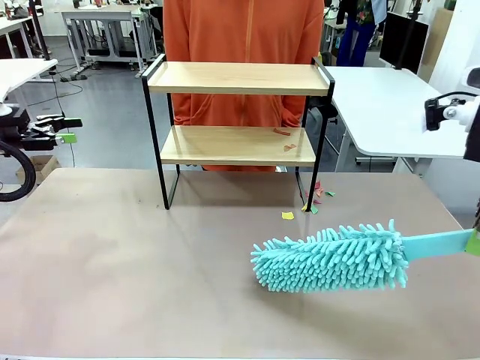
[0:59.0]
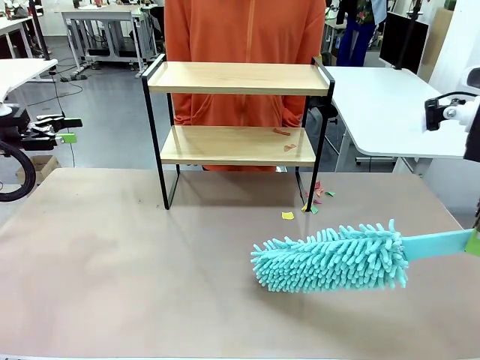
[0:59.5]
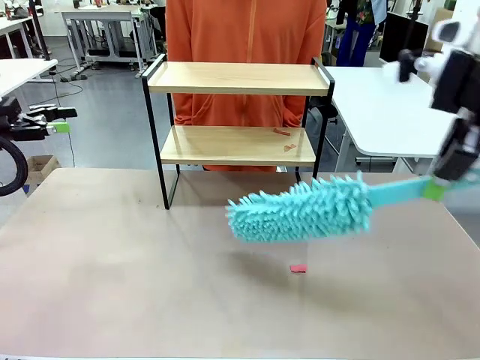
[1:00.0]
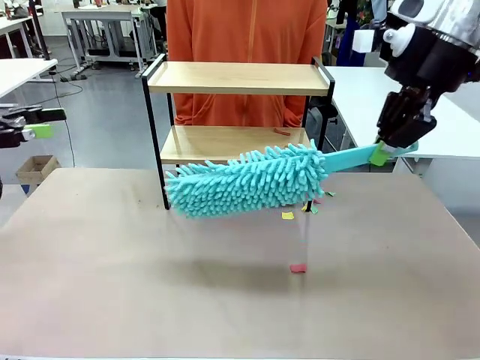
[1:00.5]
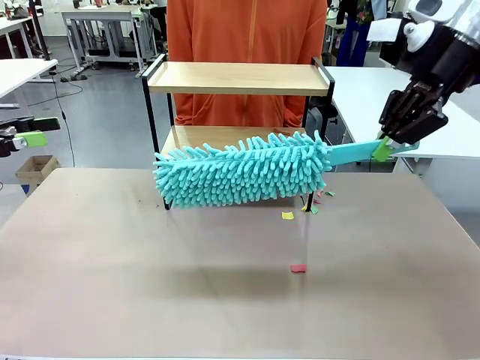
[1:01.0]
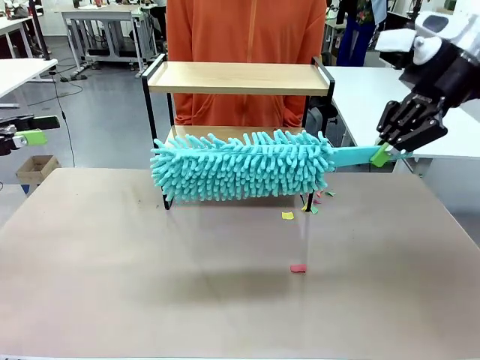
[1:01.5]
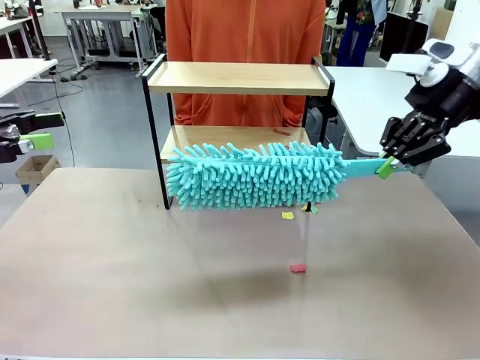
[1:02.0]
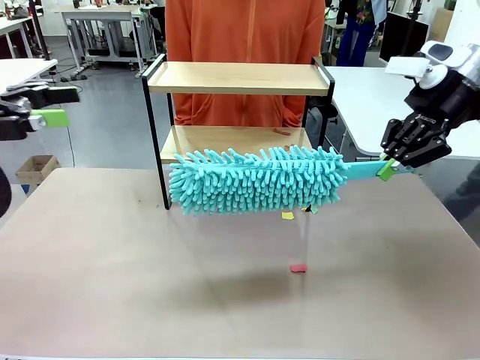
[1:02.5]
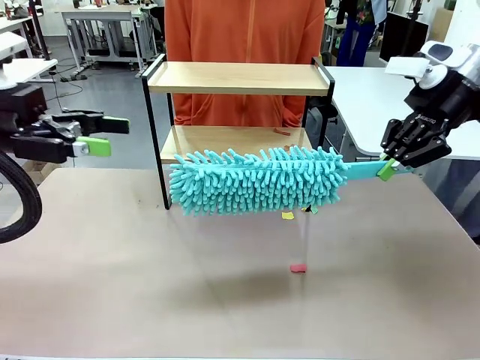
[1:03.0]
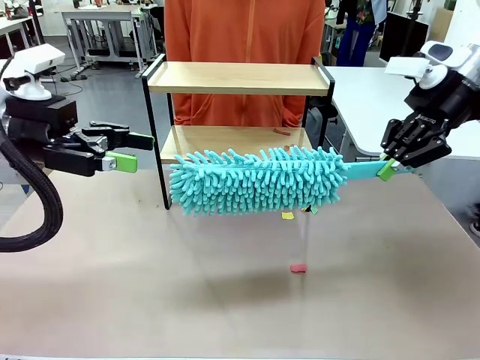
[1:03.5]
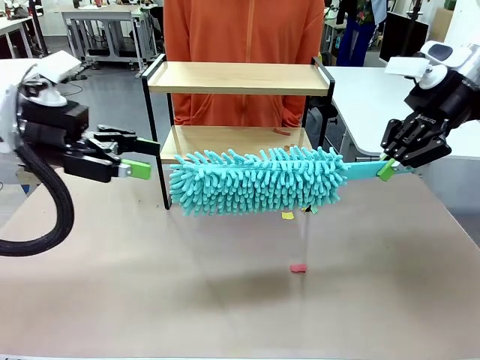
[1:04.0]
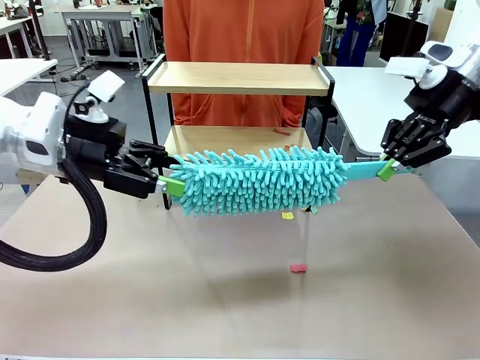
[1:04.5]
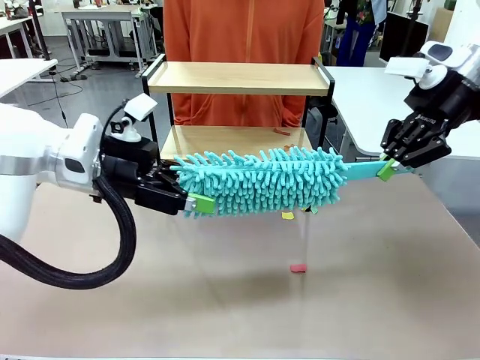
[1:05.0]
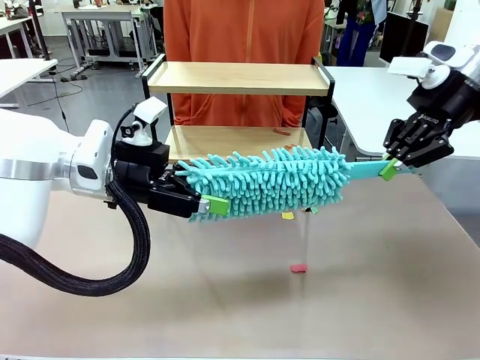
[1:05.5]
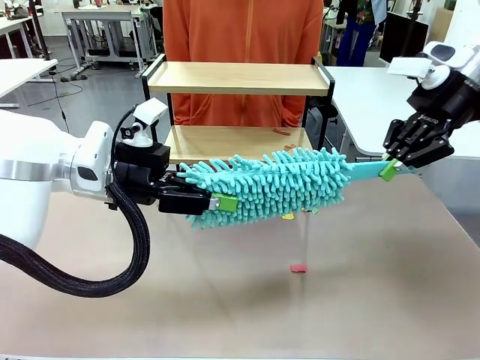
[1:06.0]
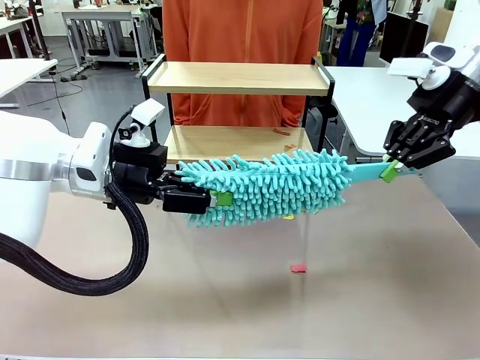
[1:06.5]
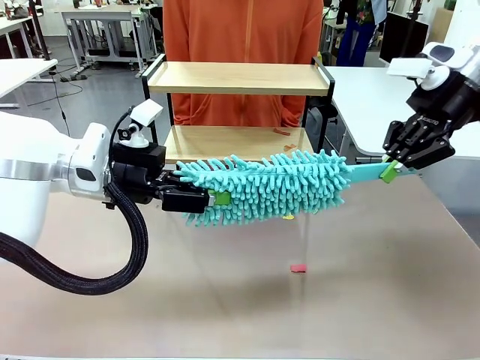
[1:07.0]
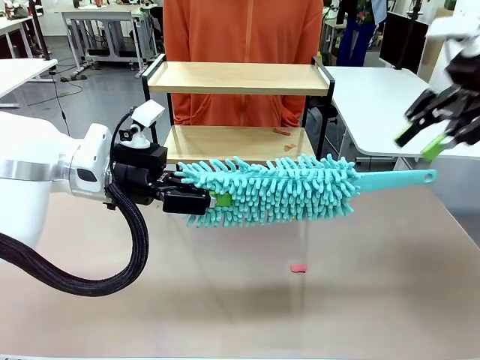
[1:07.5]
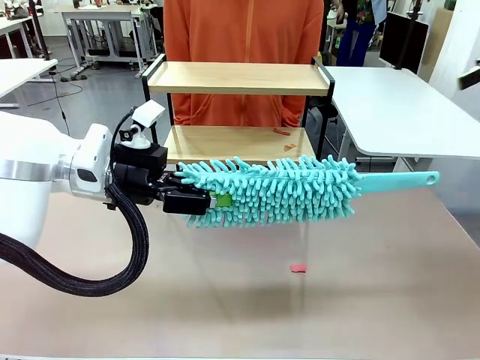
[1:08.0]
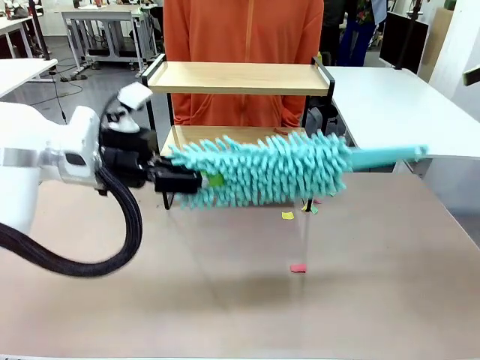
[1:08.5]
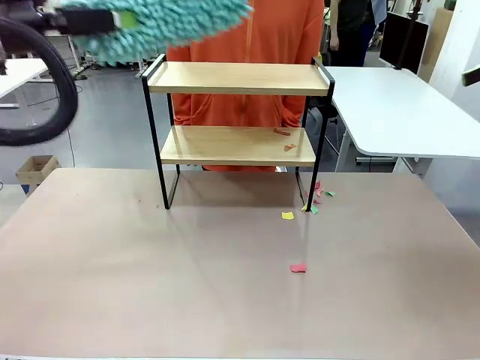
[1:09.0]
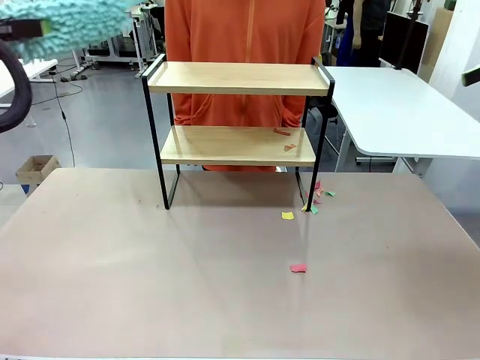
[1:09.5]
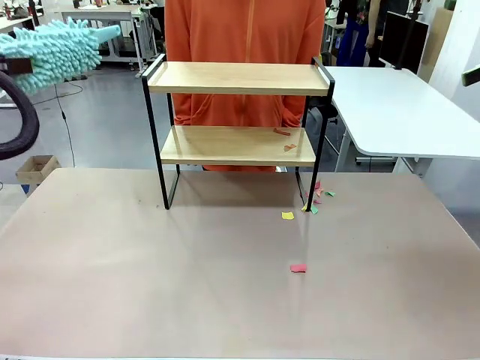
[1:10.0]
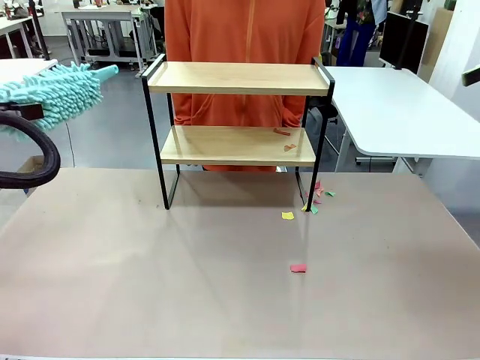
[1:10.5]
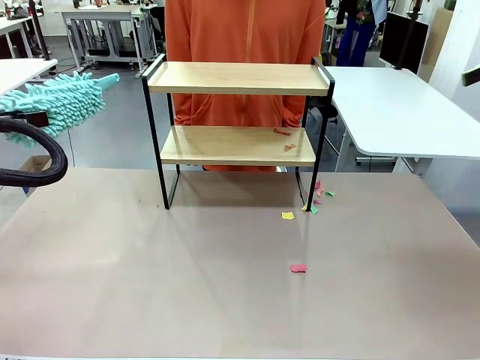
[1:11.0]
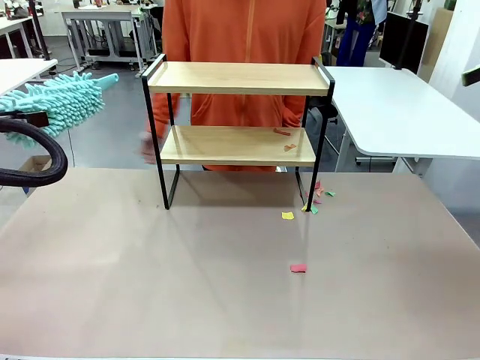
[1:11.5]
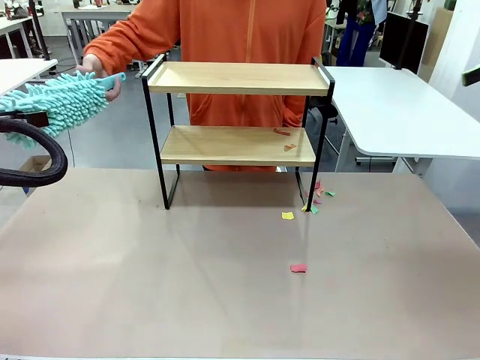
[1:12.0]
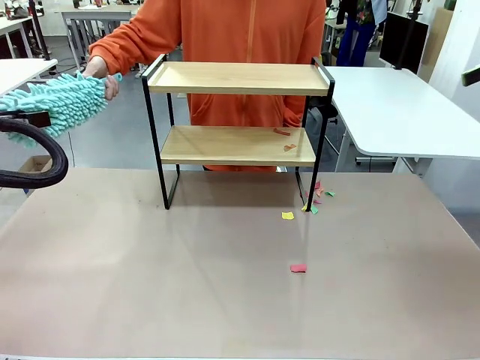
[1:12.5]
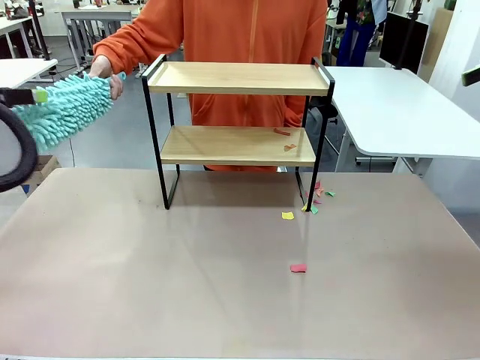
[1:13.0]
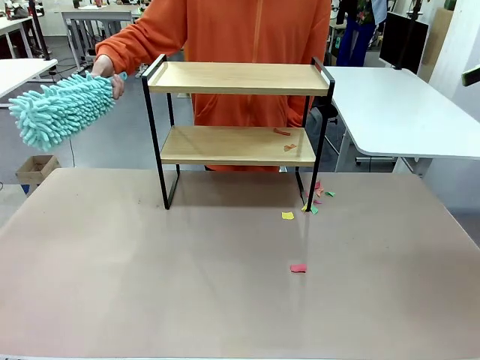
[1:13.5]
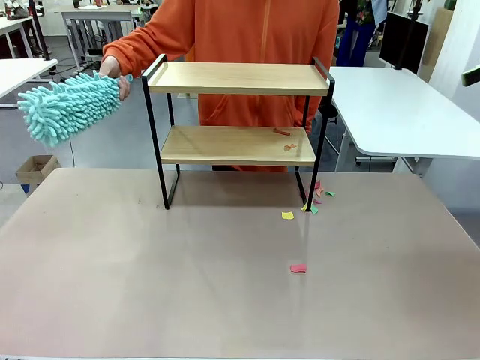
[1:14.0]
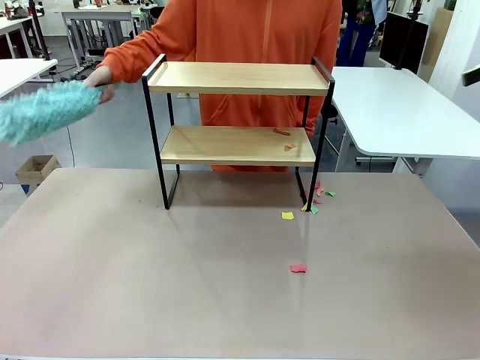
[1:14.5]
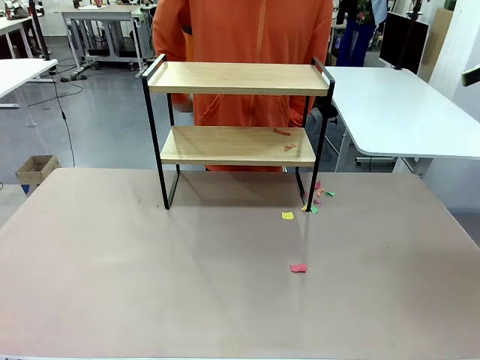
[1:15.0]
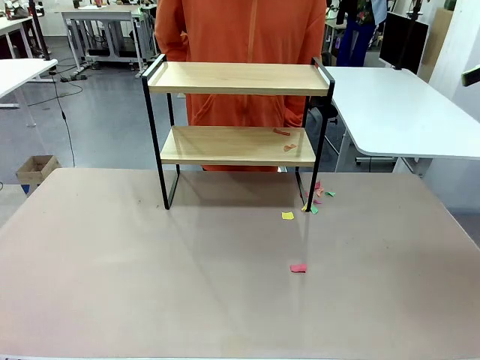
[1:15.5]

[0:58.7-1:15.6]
Task: Clean the shelf.
Robot: Hand the Duster back to the human.
Person: Receive the Duster from the robot.

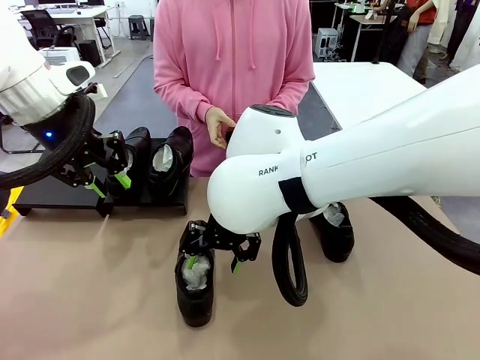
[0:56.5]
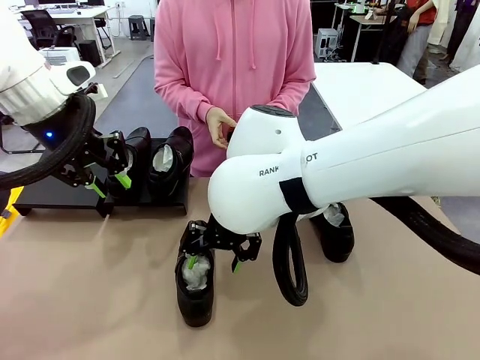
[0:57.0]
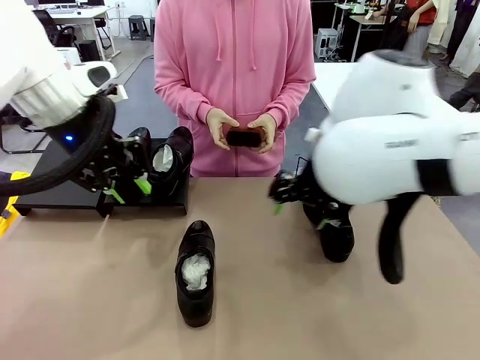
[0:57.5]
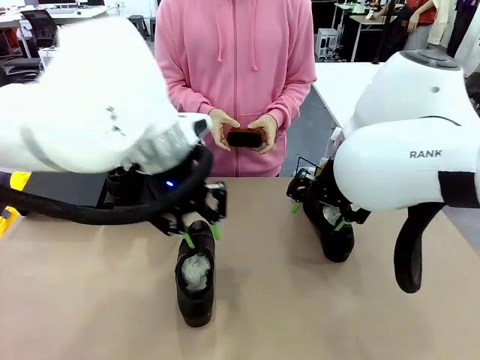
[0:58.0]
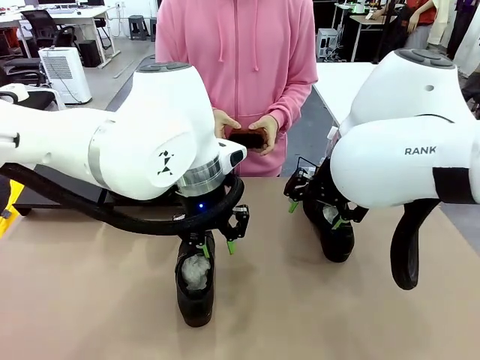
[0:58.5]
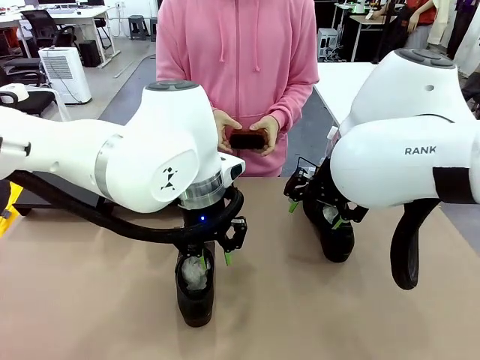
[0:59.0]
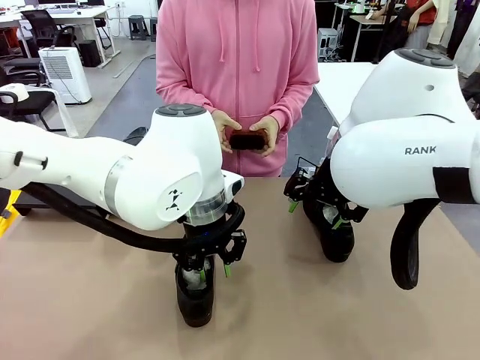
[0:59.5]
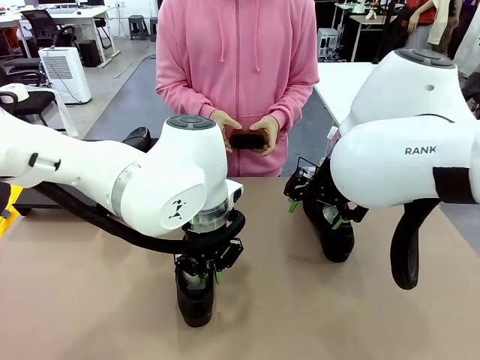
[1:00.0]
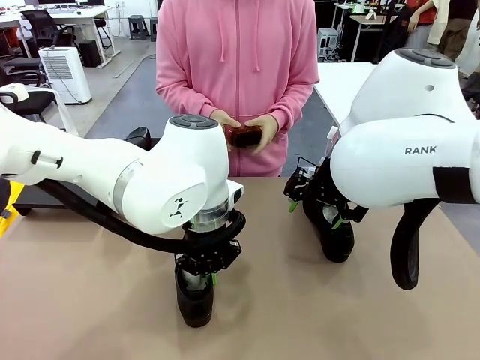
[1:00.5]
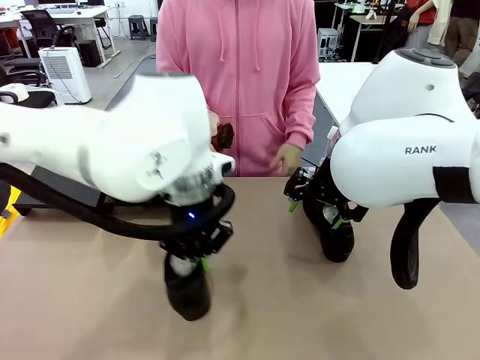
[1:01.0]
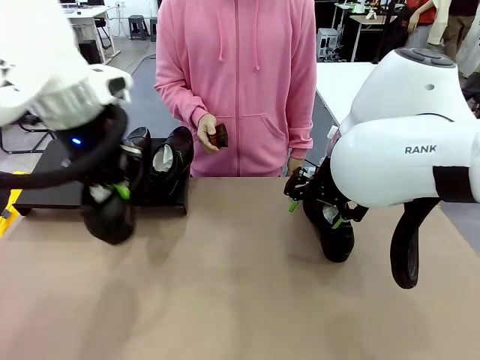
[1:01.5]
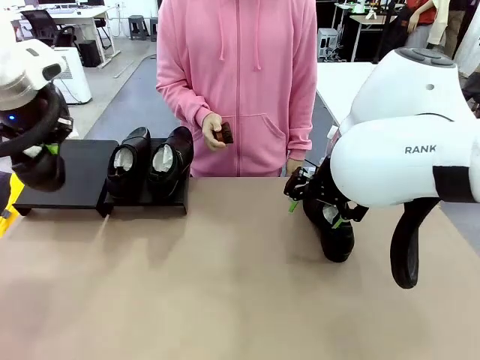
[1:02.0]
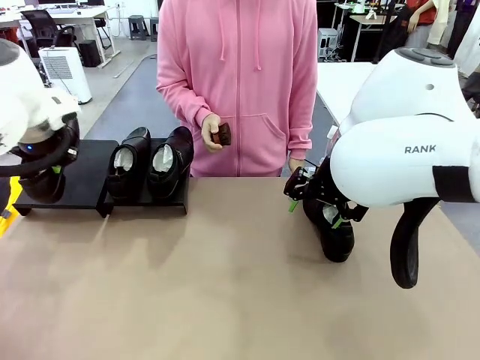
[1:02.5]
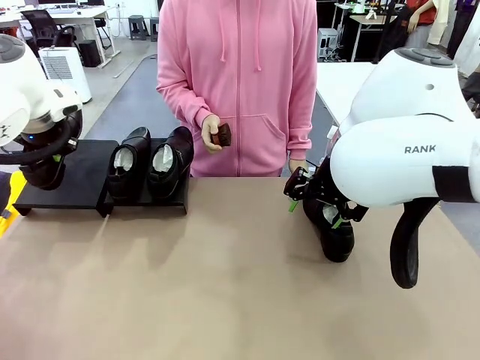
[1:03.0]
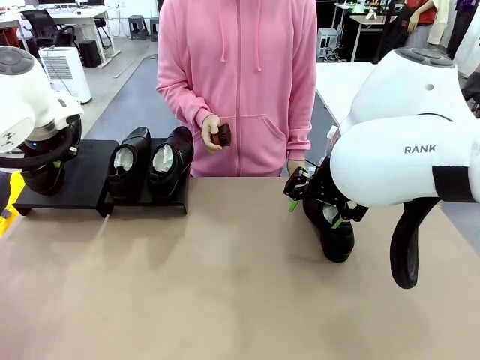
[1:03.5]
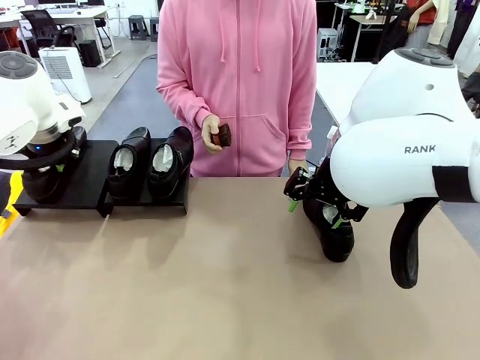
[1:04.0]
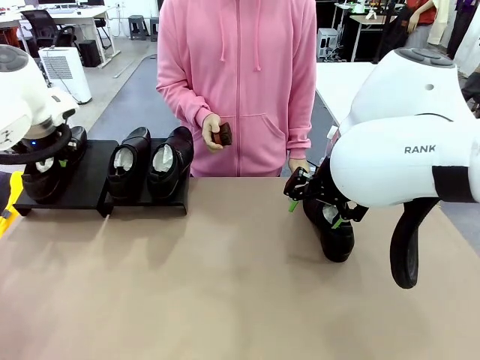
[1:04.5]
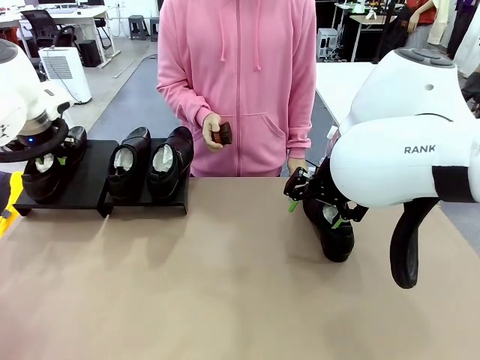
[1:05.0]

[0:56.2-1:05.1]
Task: Organize the shoes by placing them on the stand.
Robot: Place the Shoe from the middle of the table onto the Shoes Stand.
